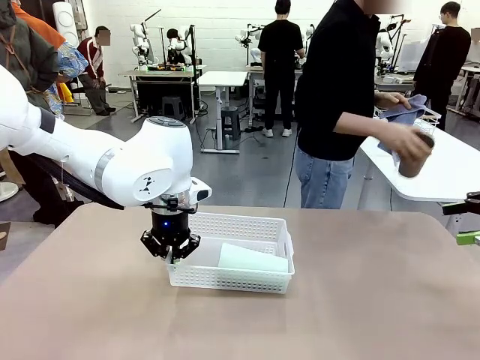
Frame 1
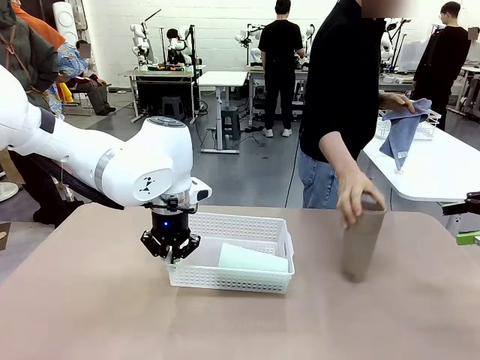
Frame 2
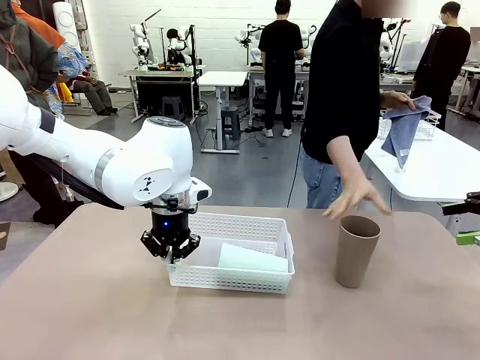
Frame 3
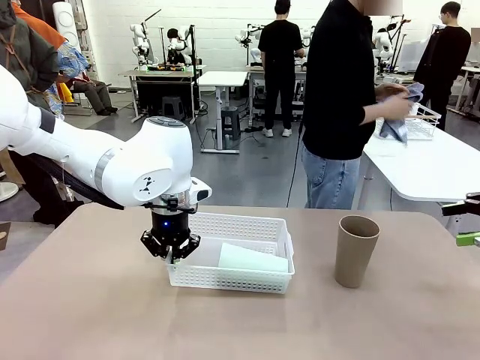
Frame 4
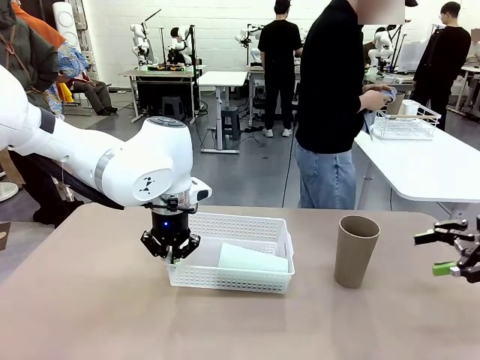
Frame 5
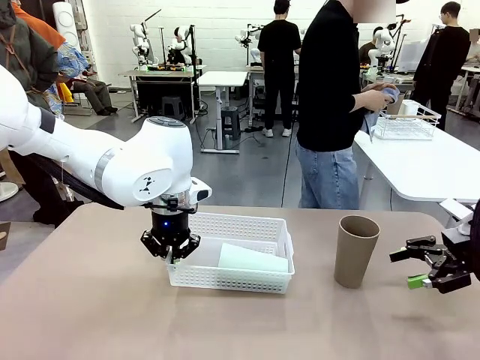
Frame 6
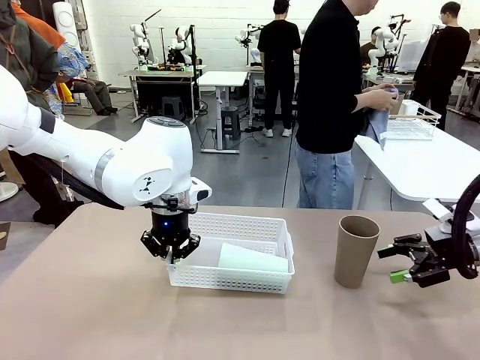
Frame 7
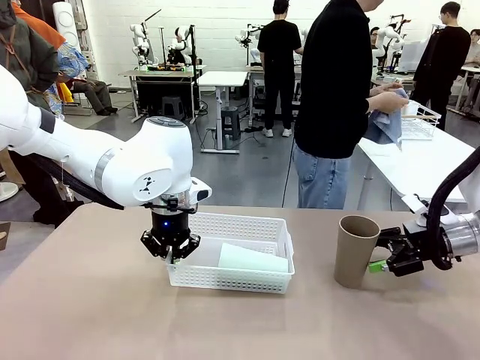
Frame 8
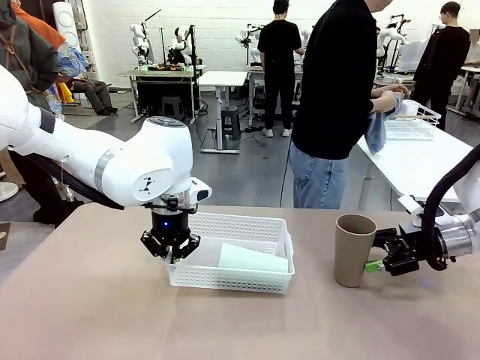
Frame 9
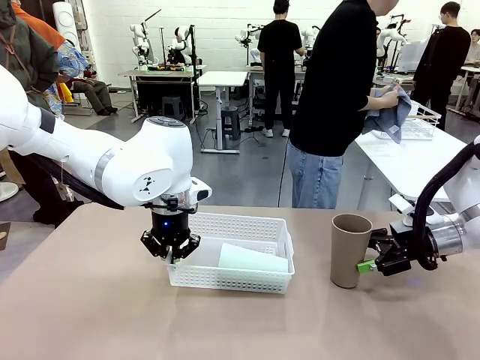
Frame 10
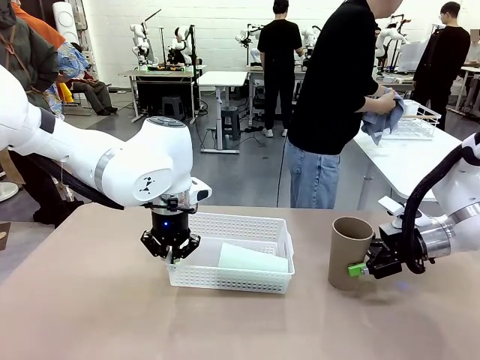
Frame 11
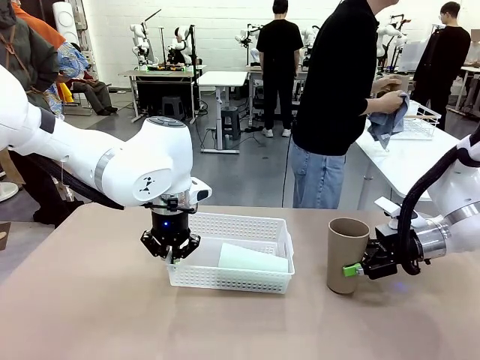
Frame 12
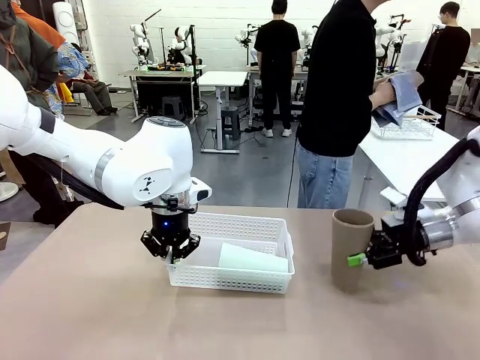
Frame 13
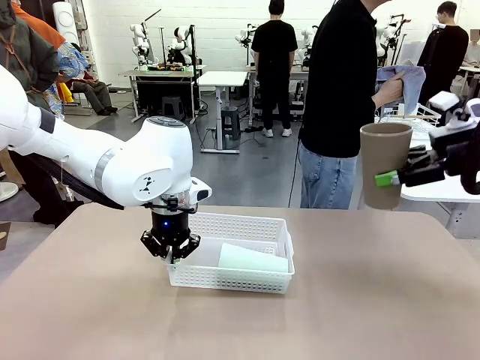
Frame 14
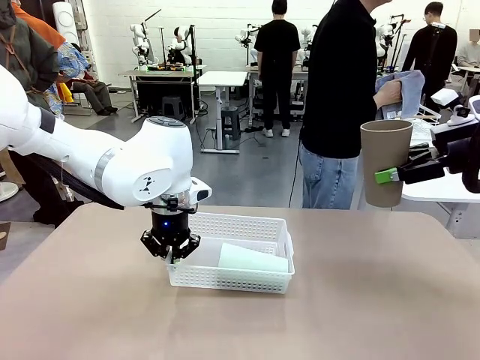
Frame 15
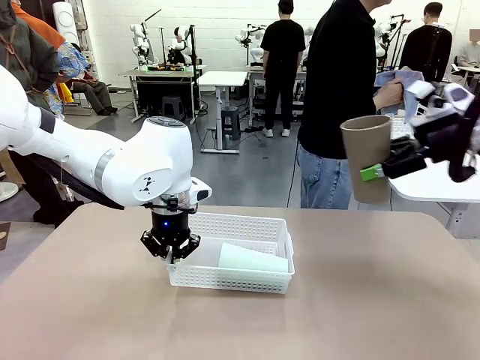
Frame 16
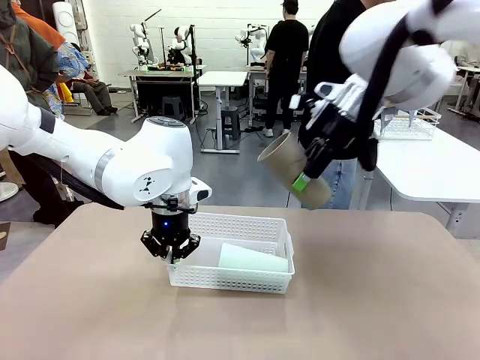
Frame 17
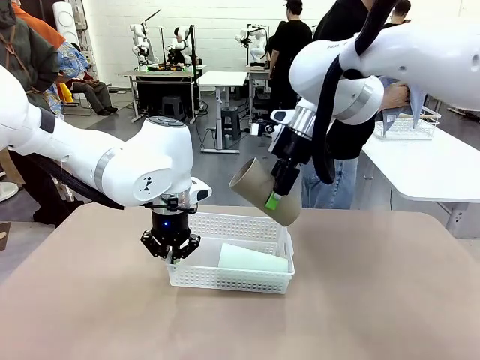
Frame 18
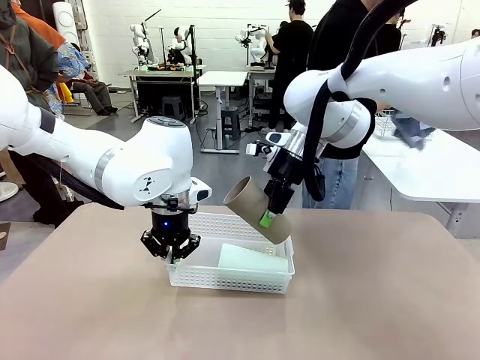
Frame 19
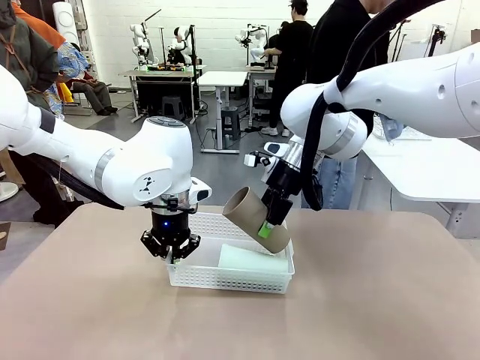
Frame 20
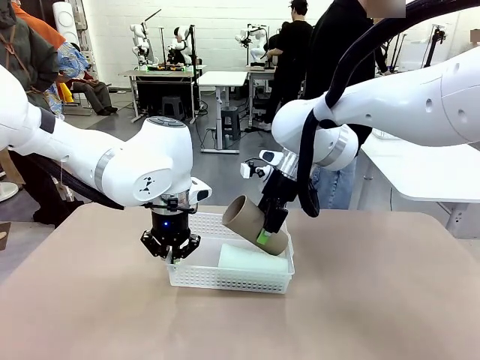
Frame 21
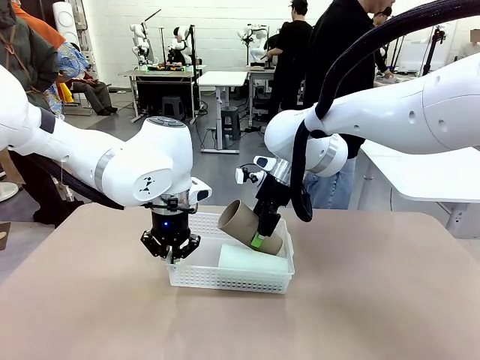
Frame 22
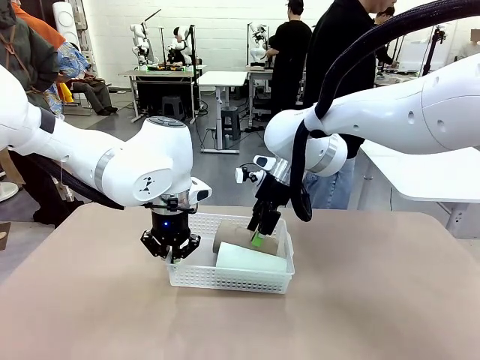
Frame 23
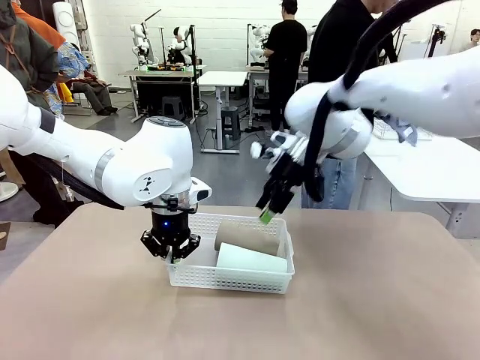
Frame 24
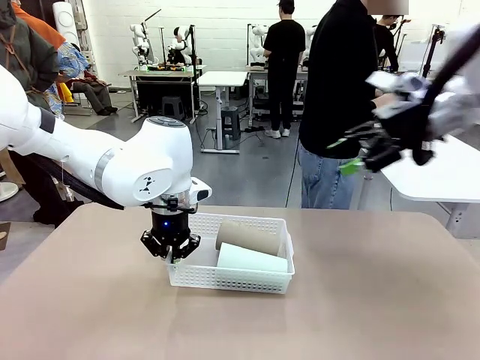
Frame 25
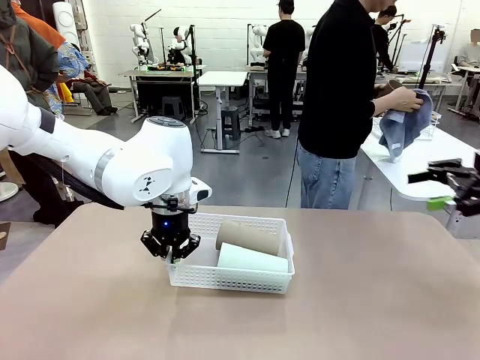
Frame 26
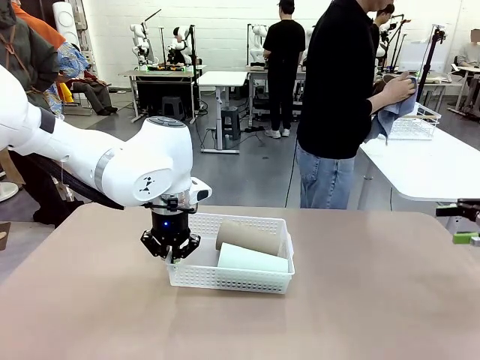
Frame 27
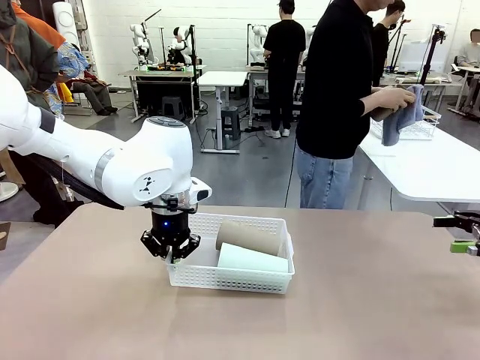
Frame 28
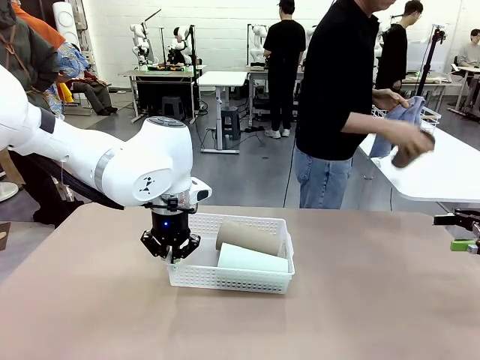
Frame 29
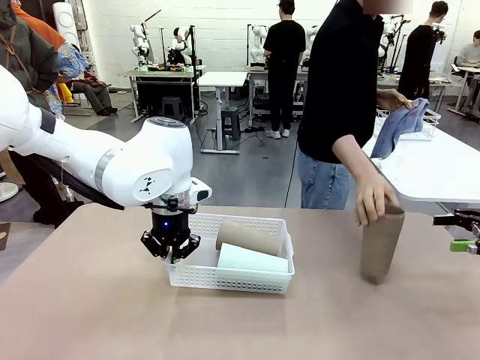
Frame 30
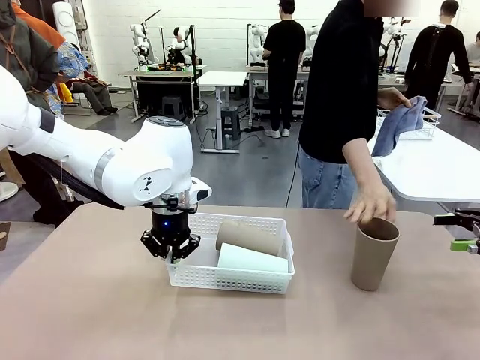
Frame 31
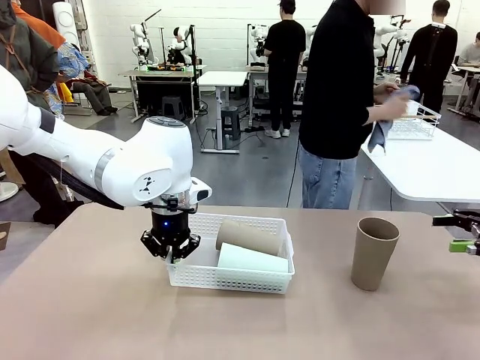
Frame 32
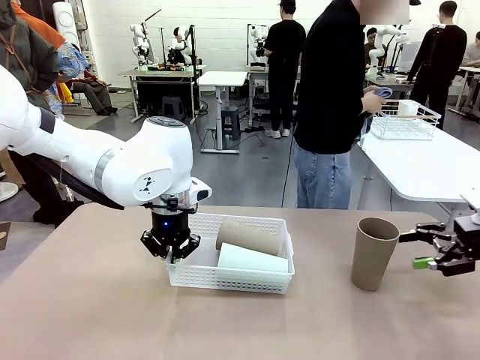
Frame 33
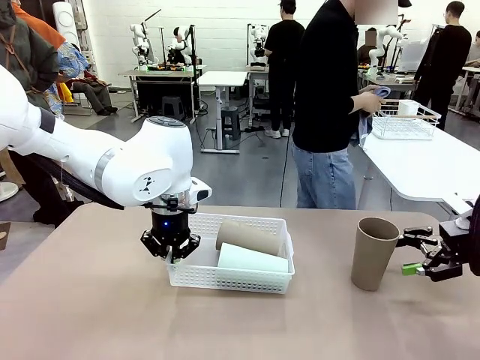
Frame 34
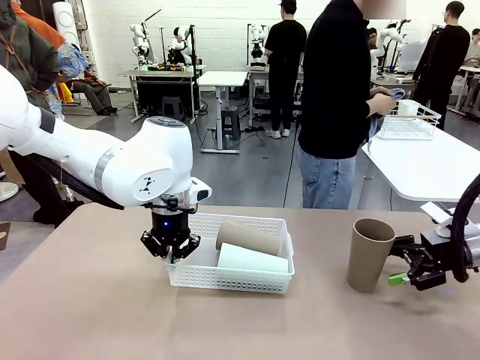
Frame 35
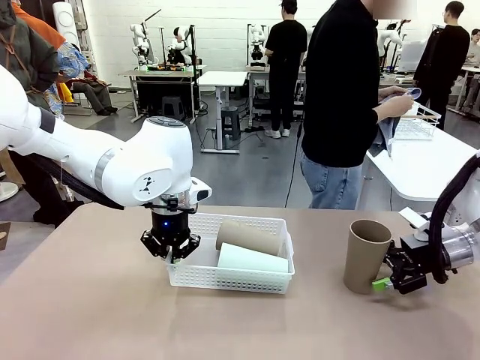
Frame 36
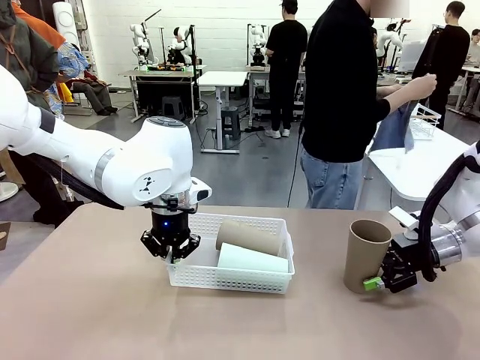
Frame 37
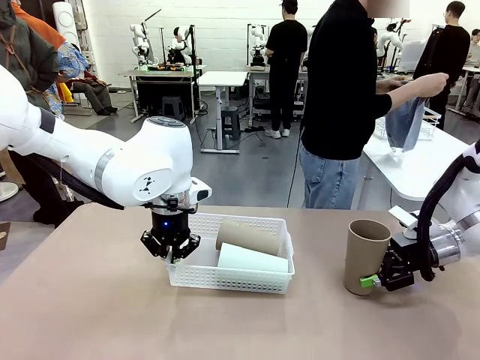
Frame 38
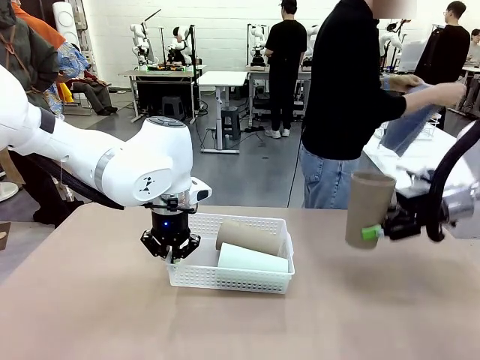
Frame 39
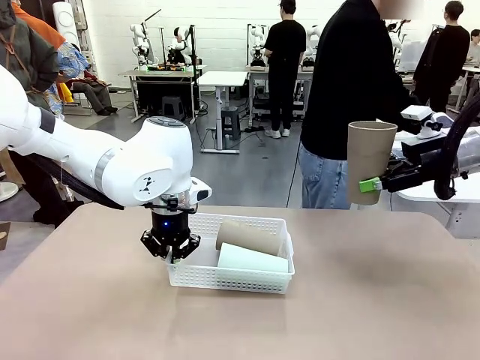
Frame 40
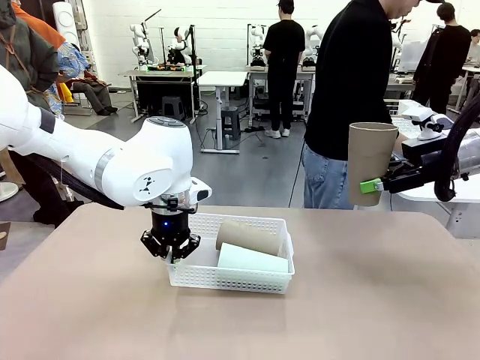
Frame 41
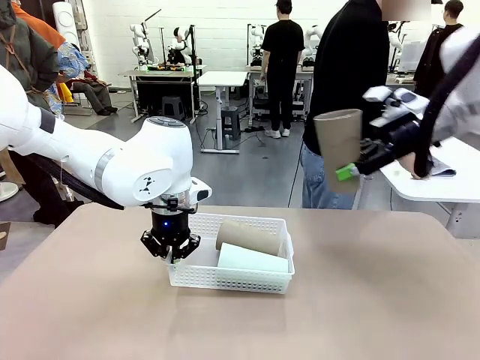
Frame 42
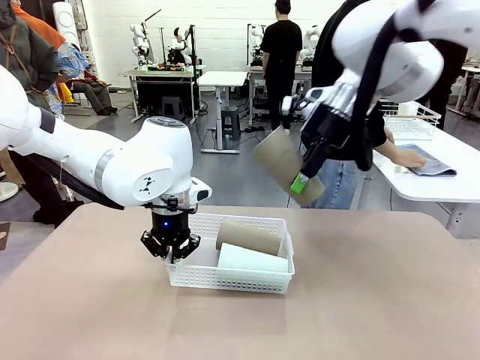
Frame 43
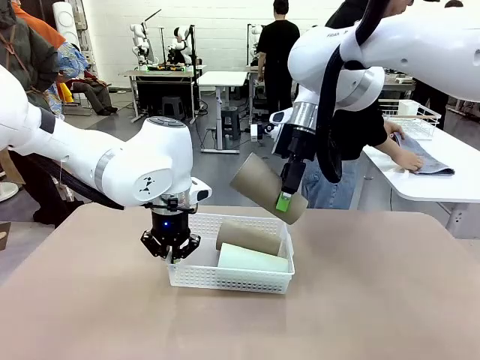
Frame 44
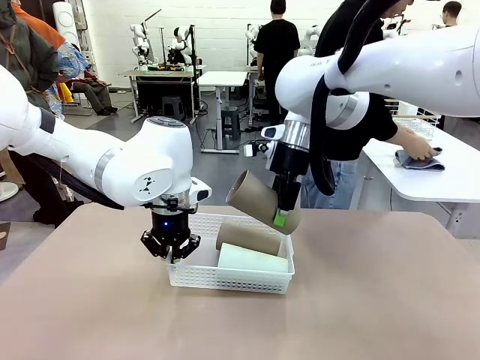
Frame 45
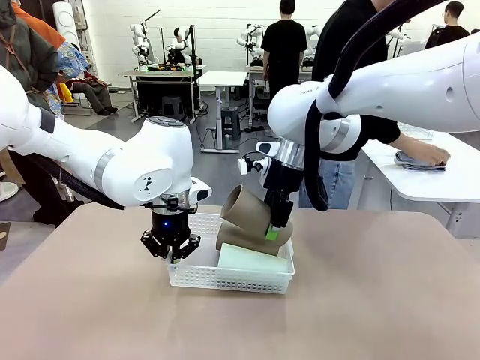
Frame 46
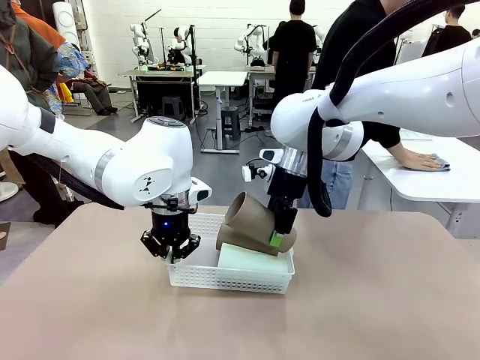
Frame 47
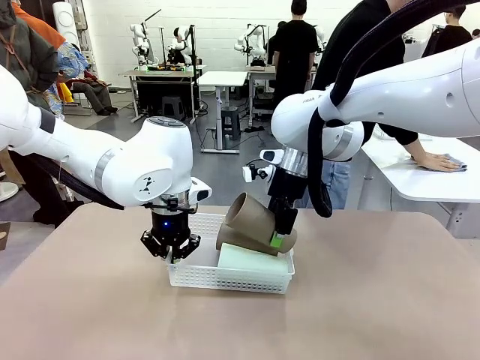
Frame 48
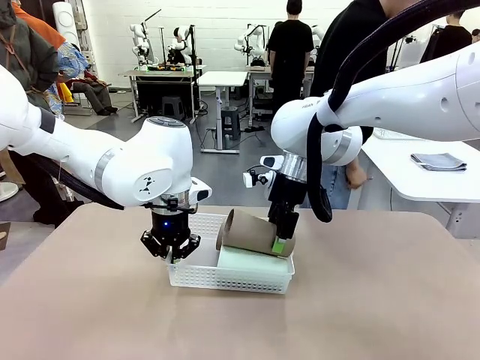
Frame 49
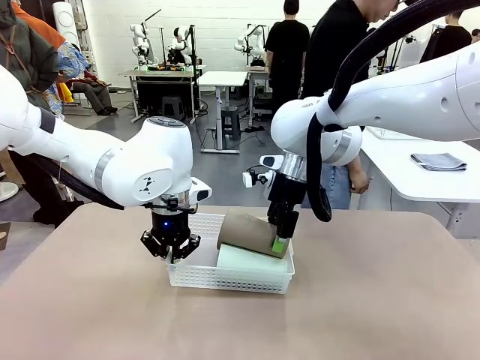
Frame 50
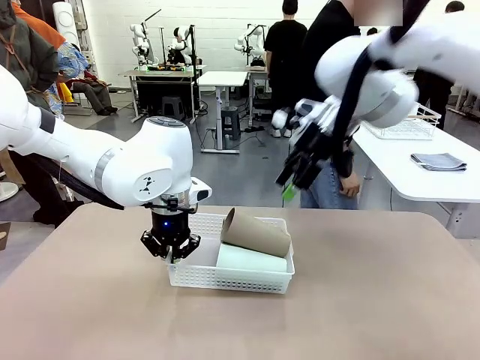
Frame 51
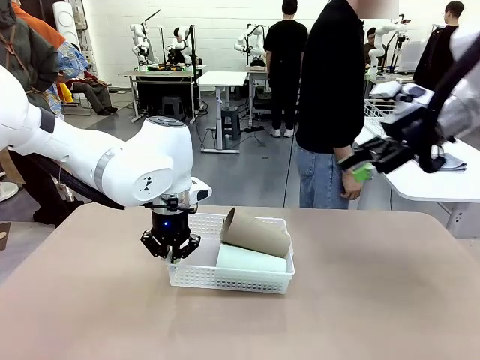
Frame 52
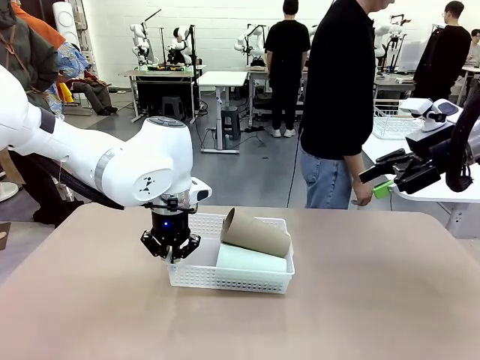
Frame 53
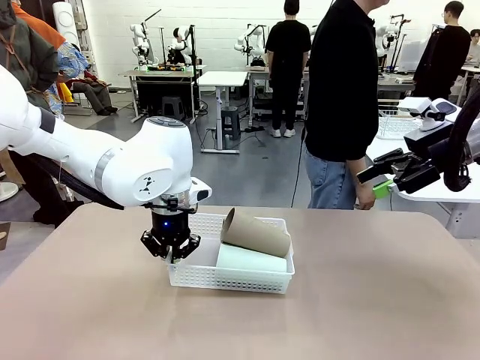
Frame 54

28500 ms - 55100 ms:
Task: Clean and organize the cups into the basket.
Robot: Pick up the Reusable plastic cup from the right side of the table and stack it inside the Organizing basket in the center of the table.
